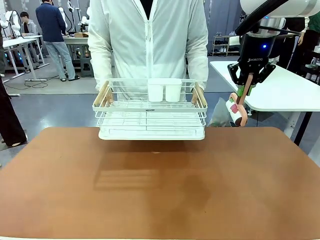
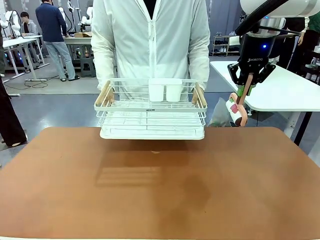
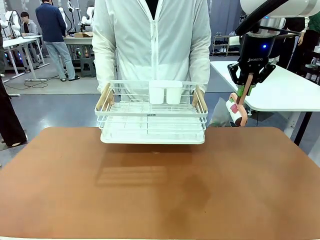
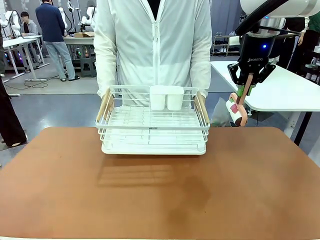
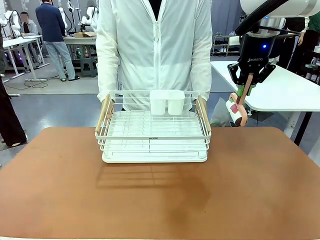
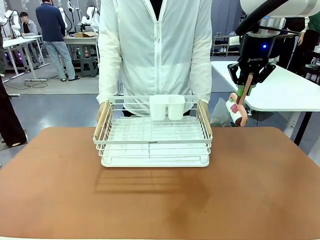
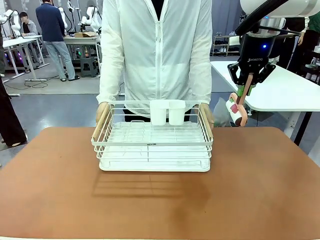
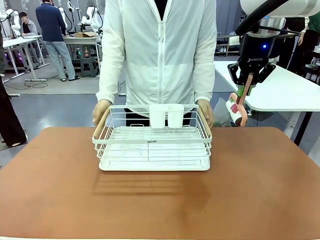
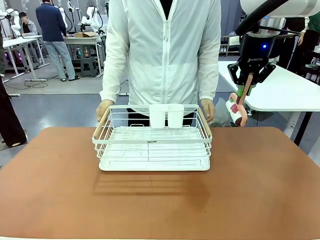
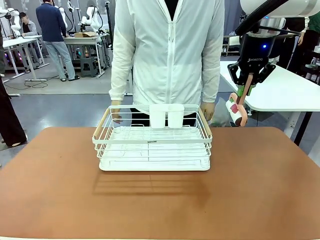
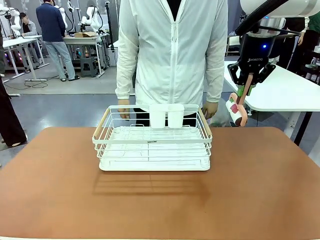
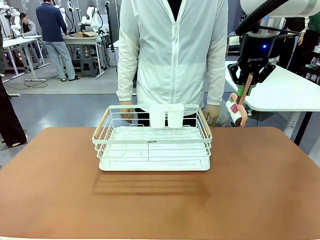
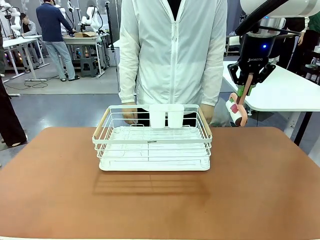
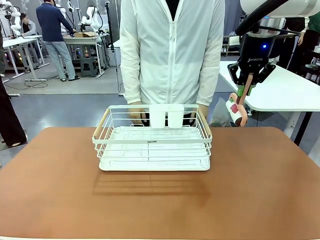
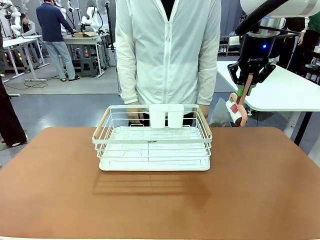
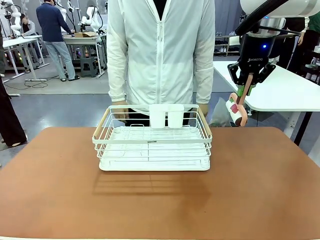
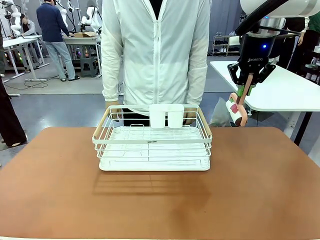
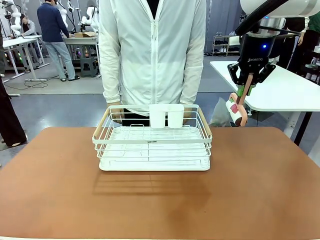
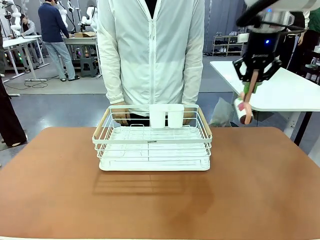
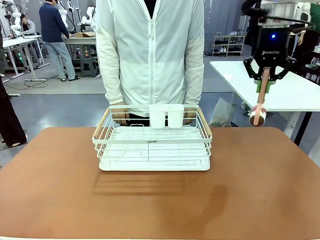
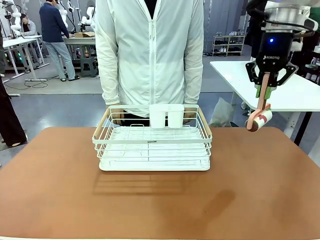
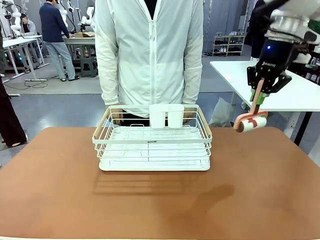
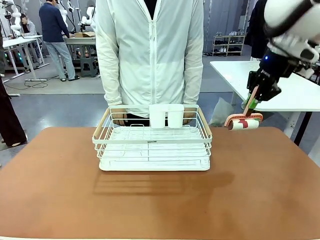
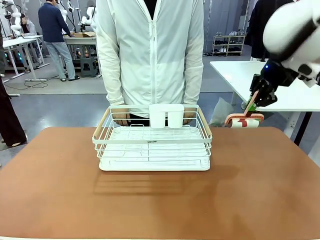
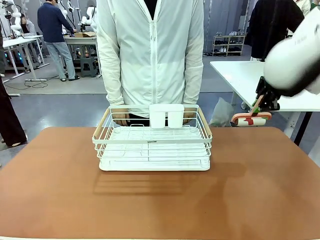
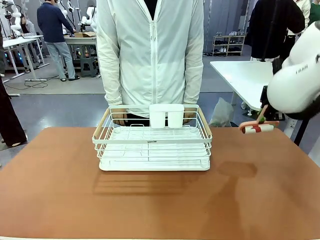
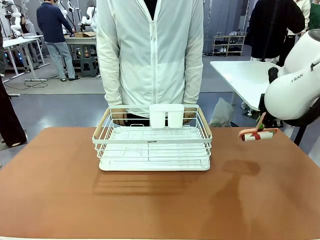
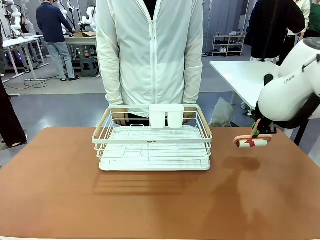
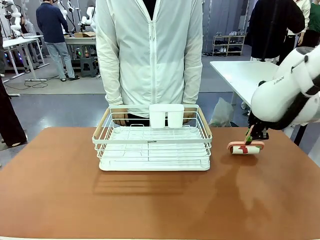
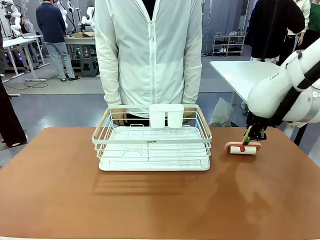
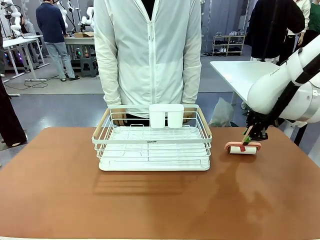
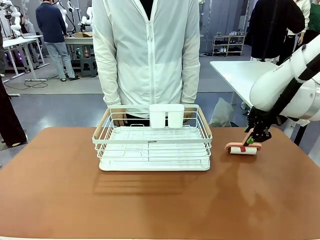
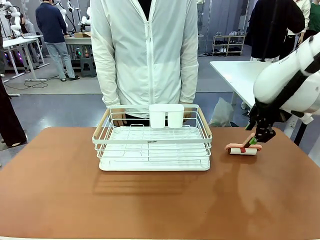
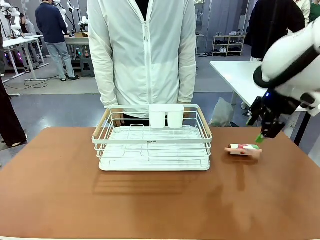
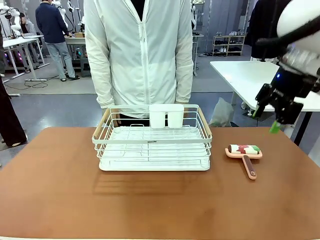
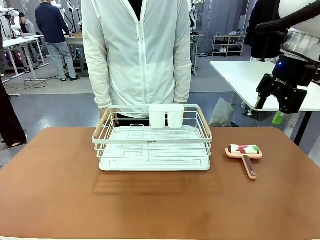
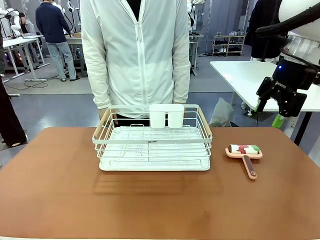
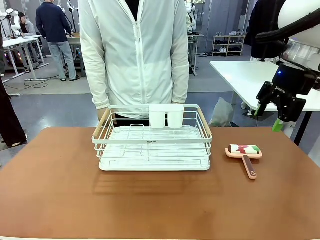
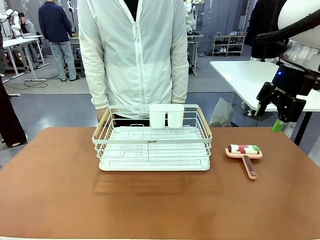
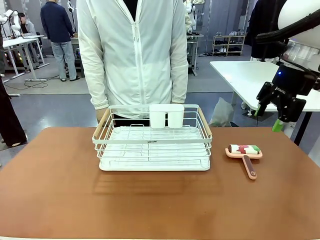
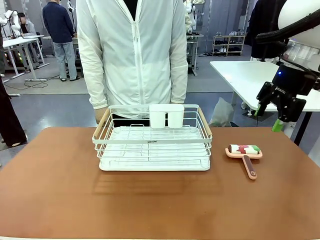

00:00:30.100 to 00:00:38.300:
Task: Clean the table.
Robot: Place the Lint Roller down when the Dish drying rack is positioned in the middle of the table.

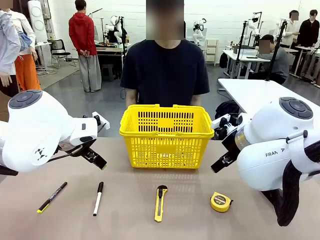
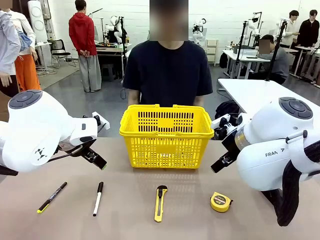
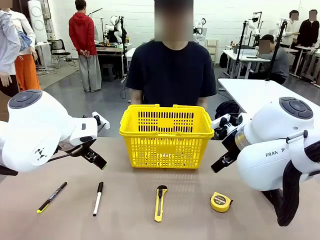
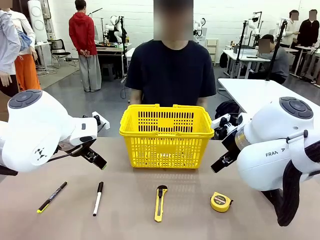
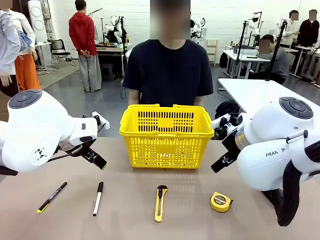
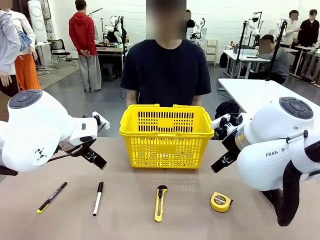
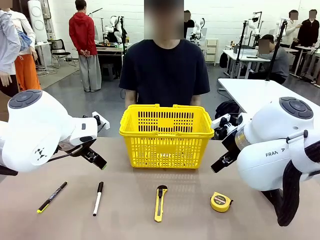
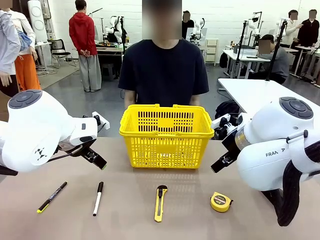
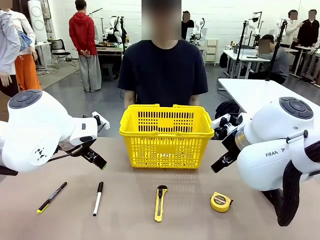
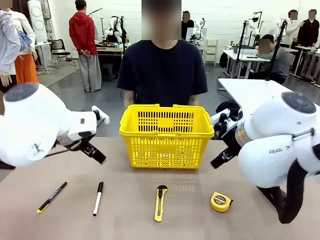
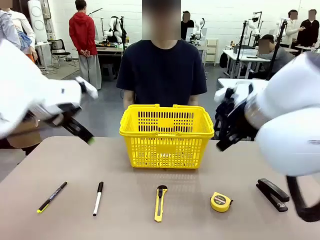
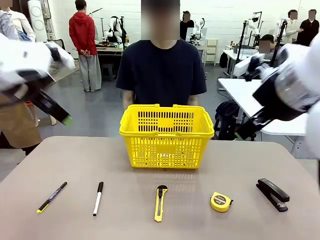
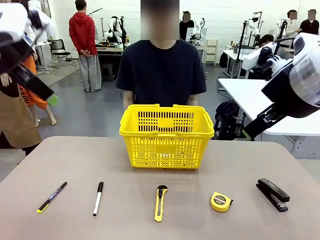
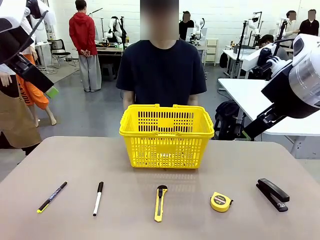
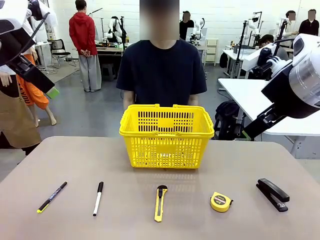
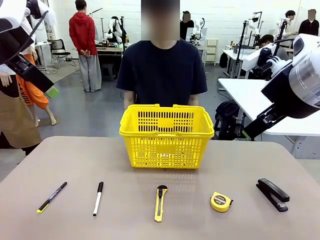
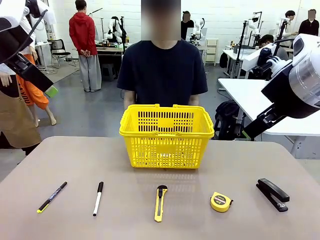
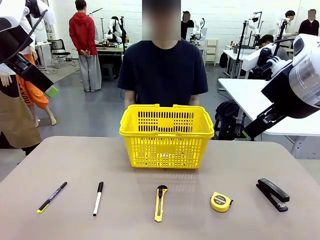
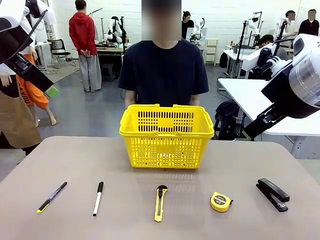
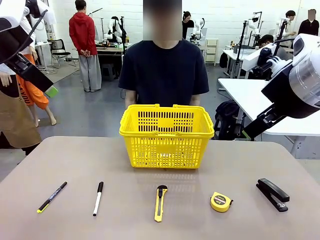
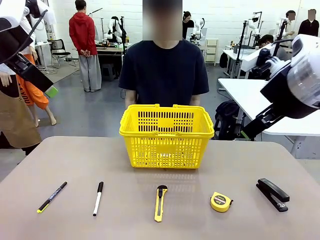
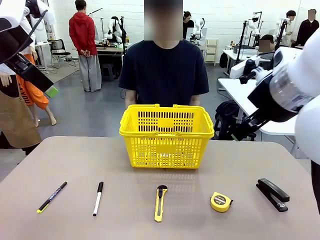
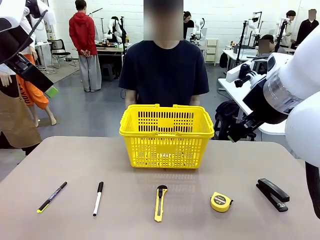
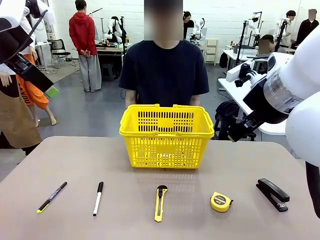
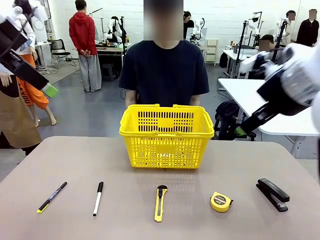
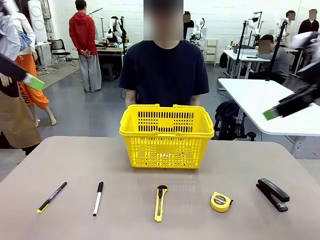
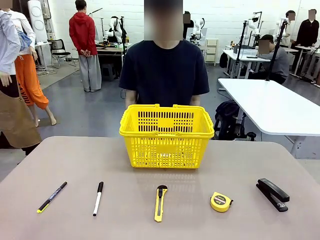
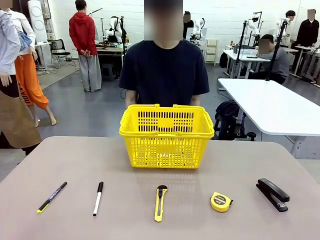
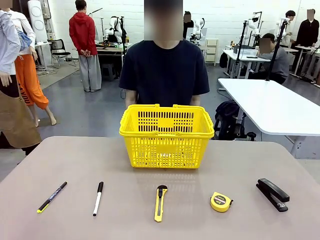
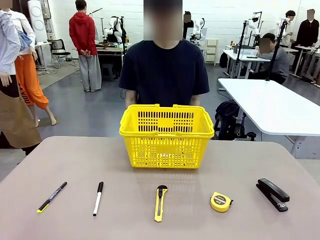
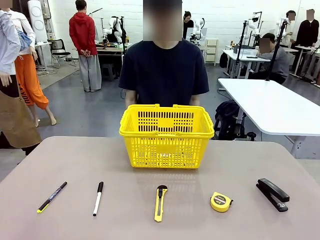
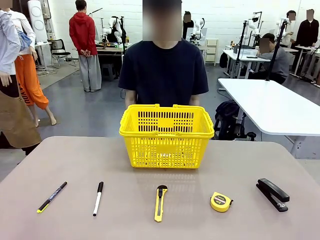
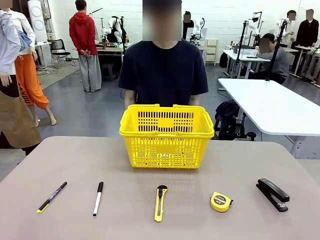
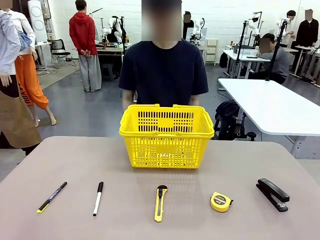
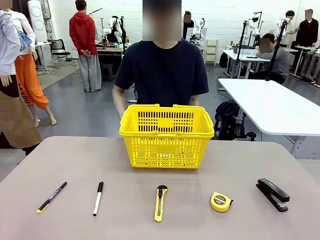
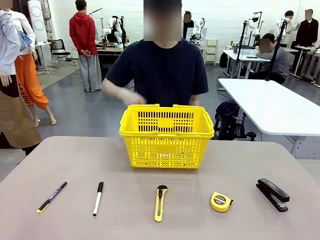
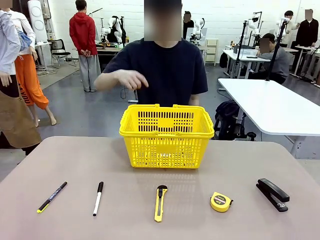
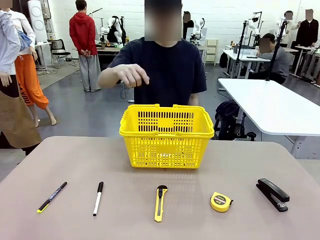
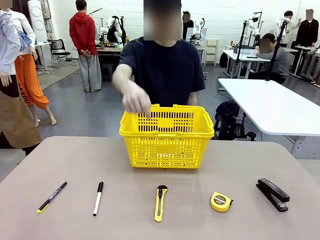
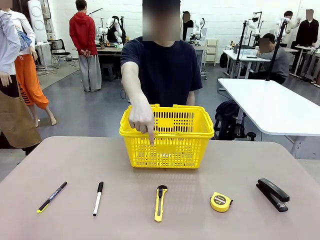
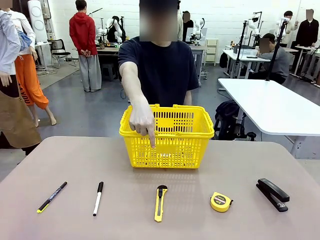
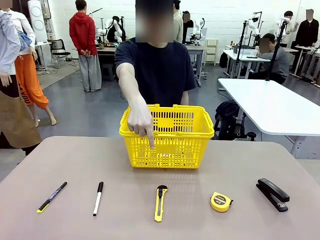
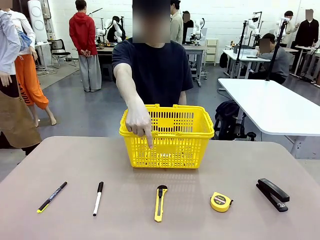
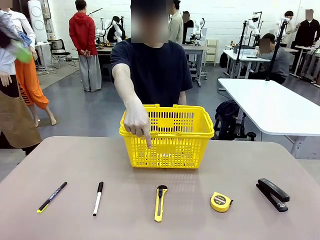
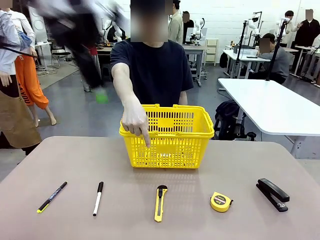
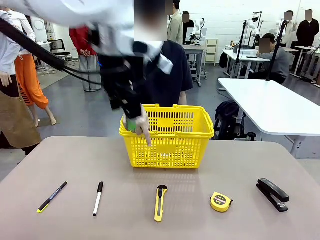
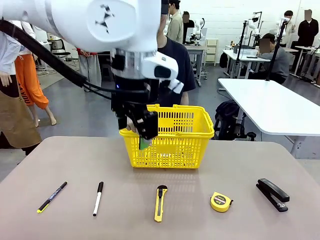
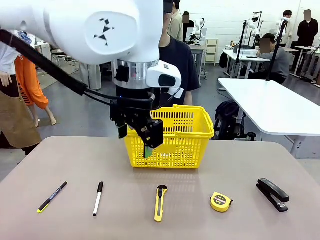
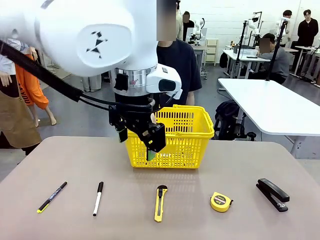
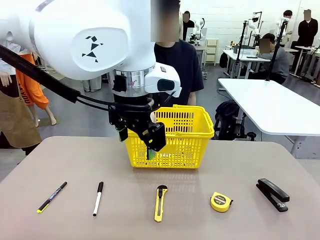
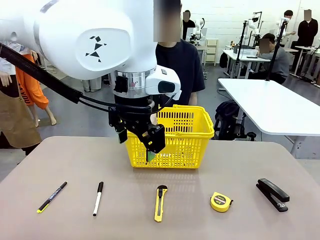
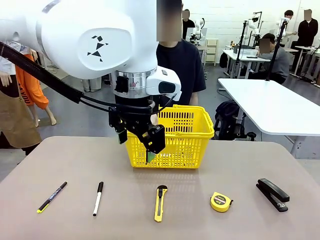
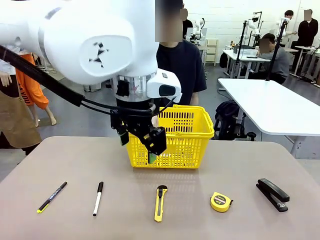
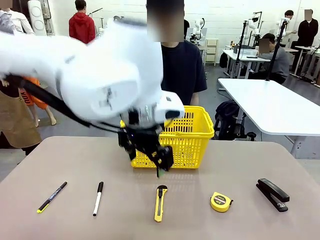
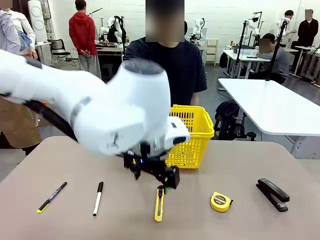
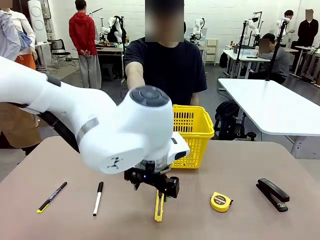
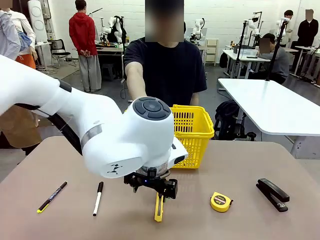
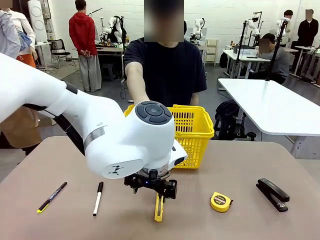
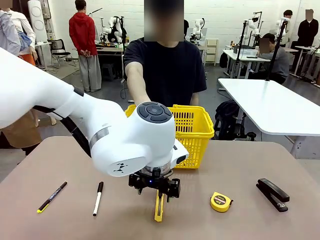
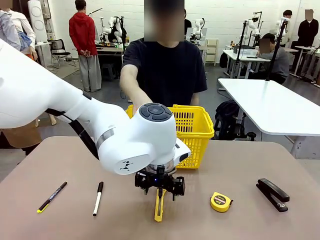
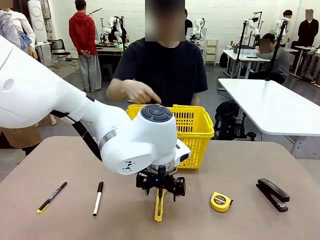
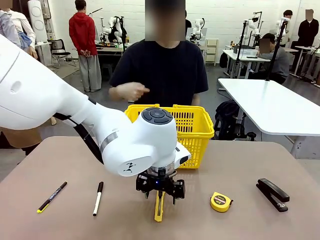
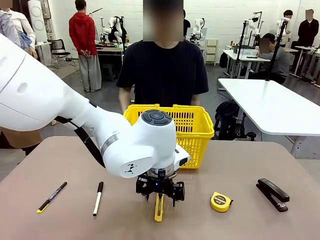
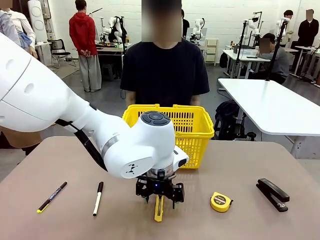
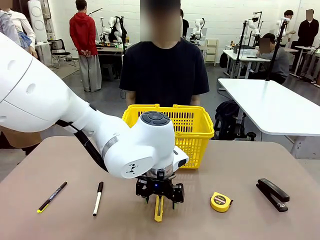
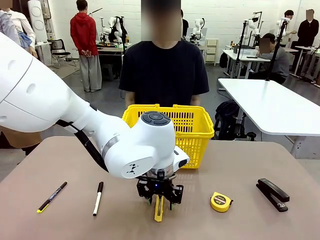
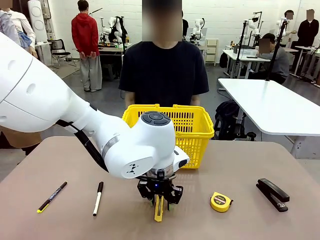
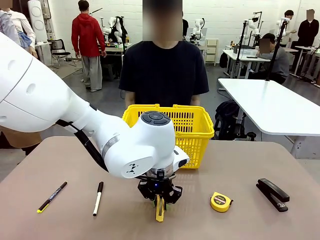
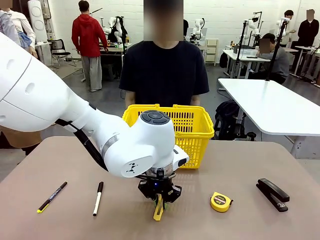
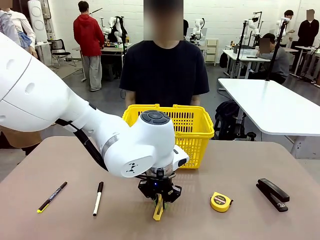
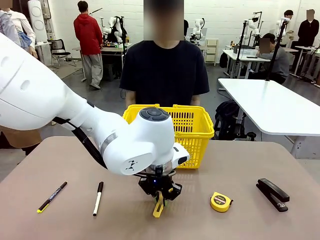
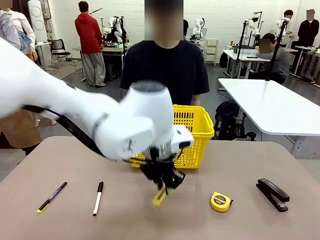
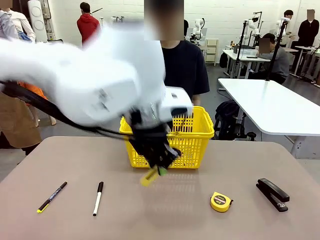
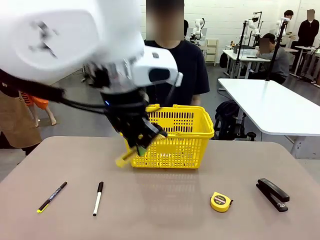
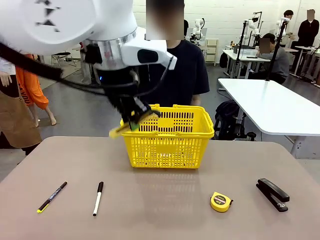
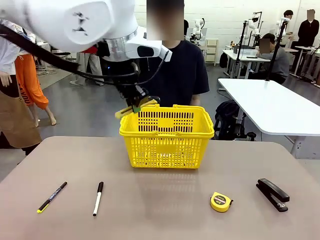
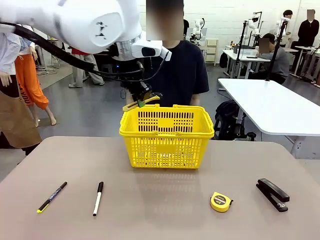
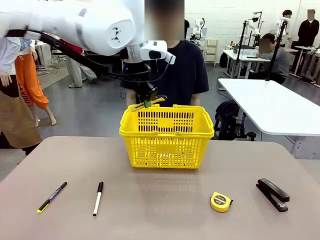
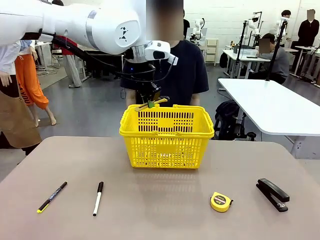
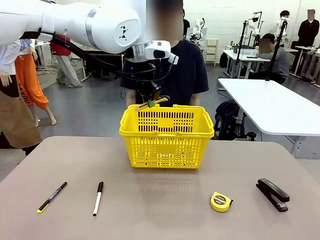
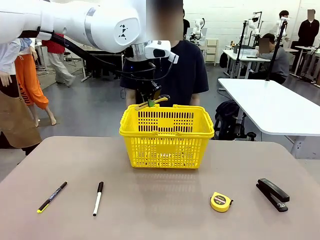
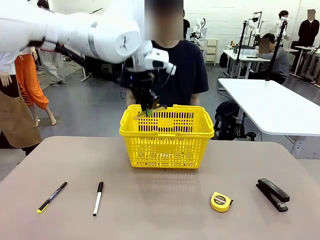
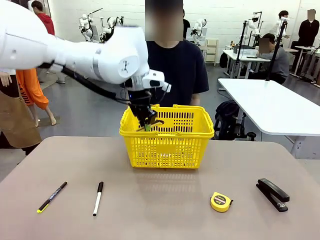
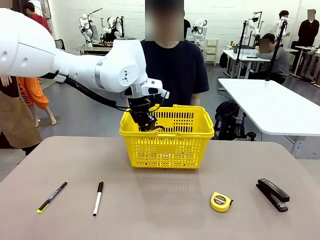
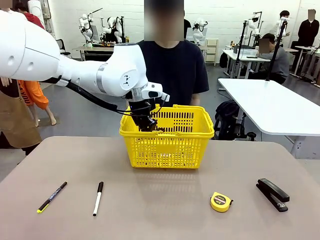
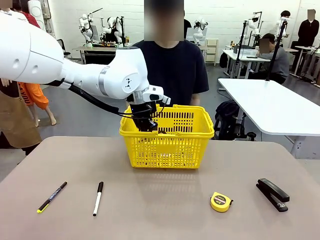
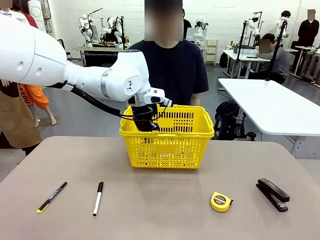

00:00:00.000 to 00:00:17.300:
Task: Place the items the person wants into the basket.
Robot: Pick up the item the person points to and place it in the Market Basket.
